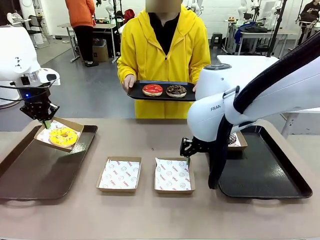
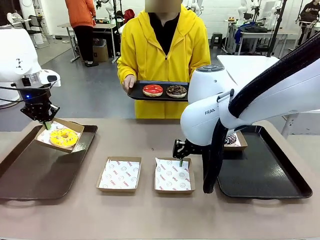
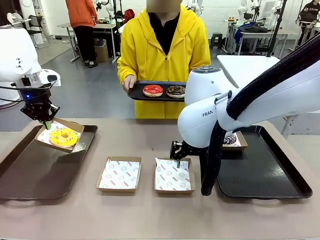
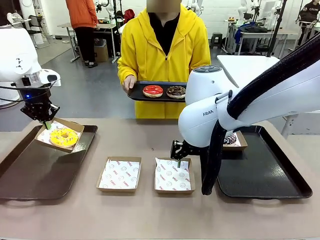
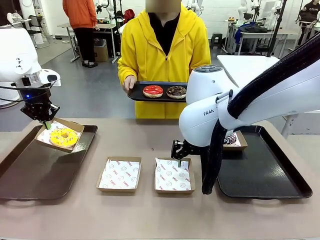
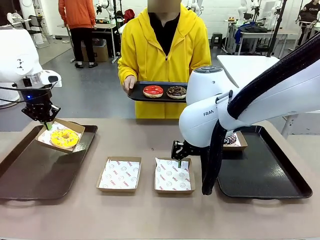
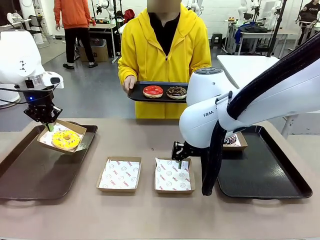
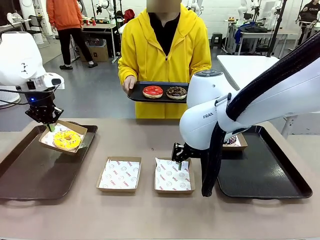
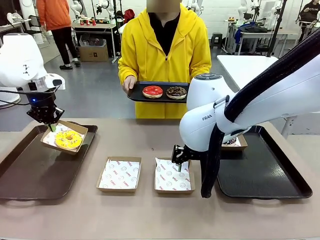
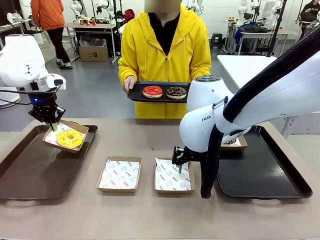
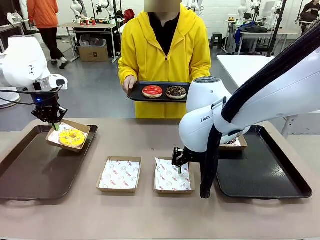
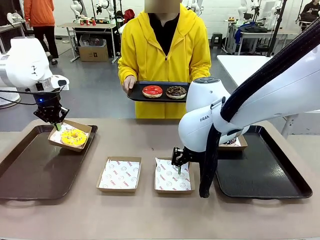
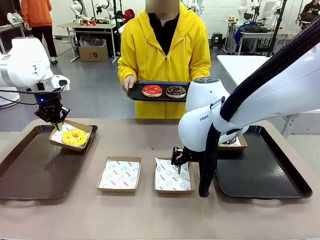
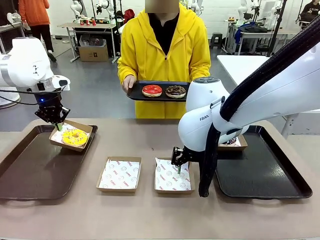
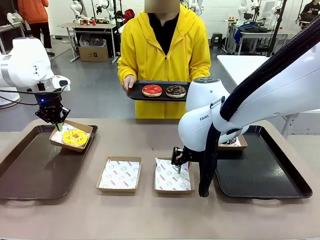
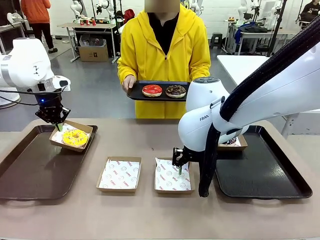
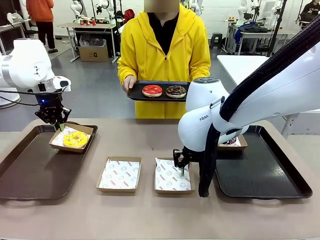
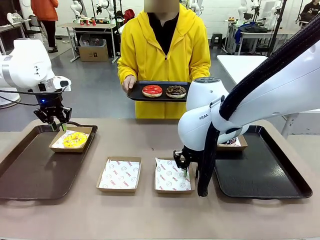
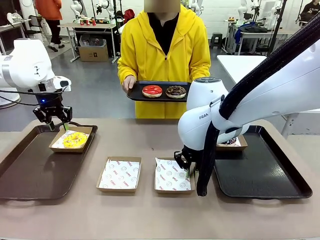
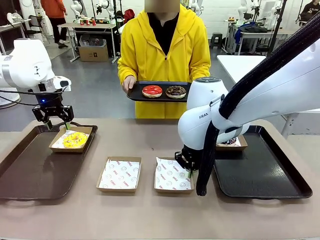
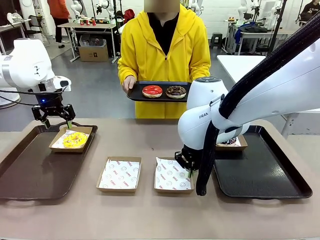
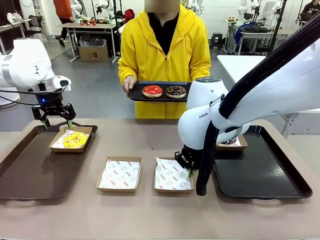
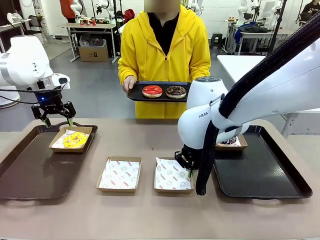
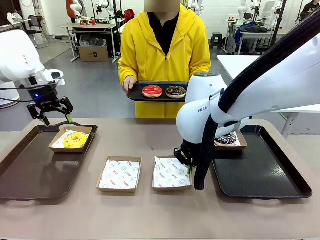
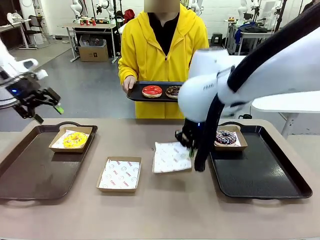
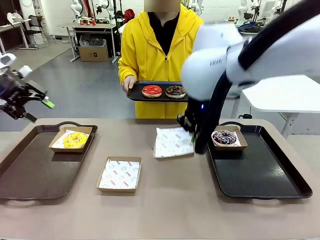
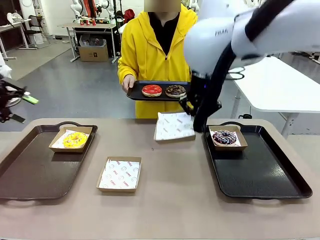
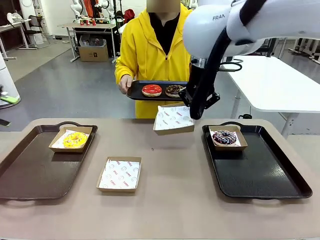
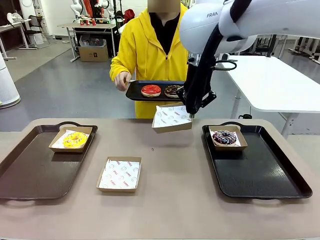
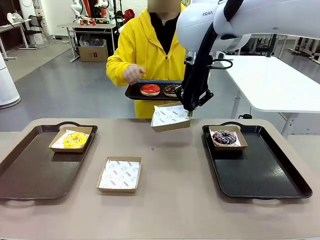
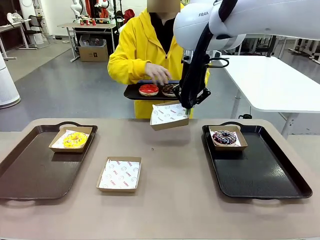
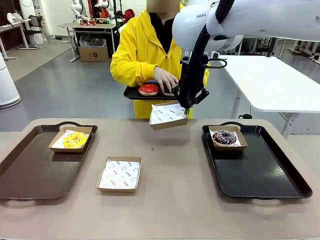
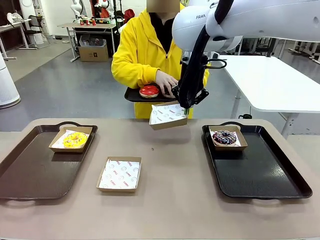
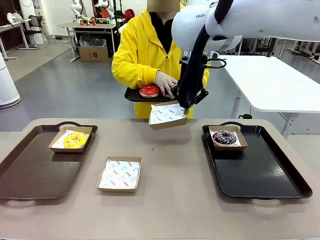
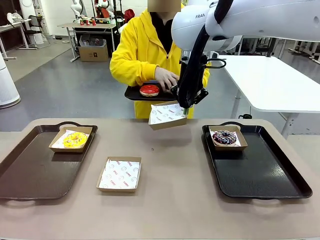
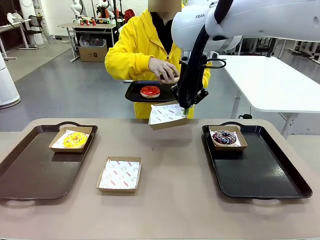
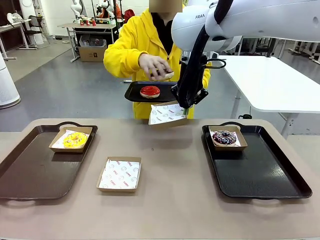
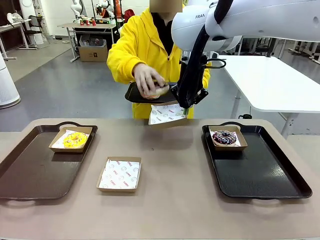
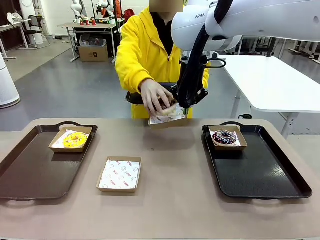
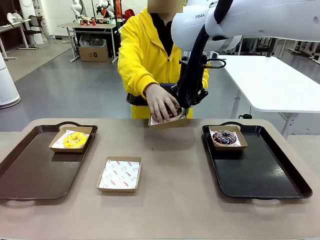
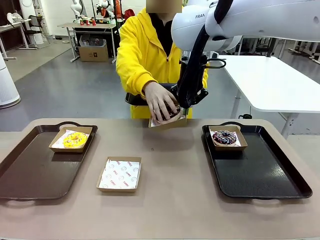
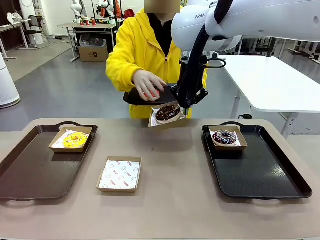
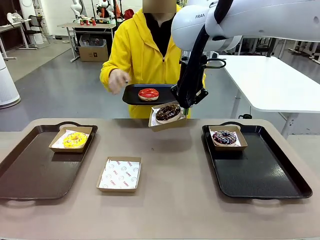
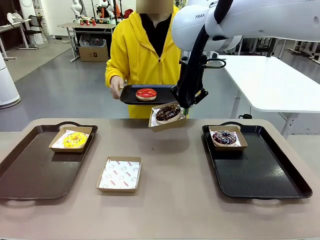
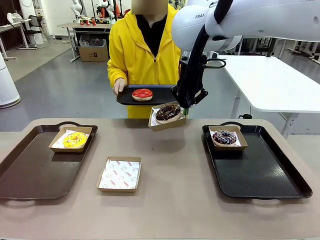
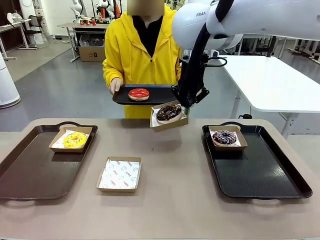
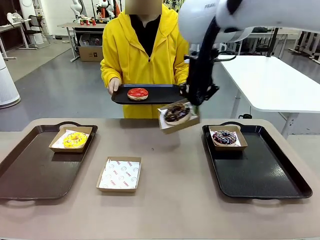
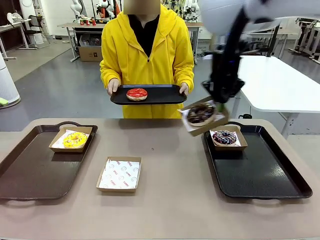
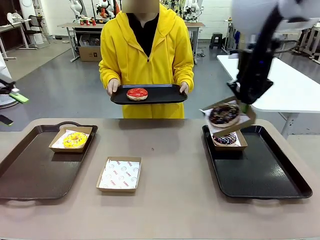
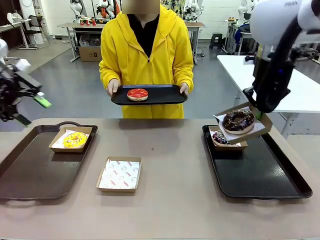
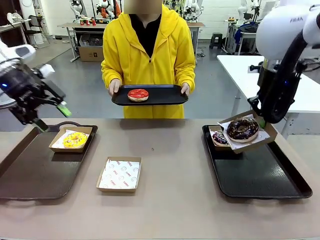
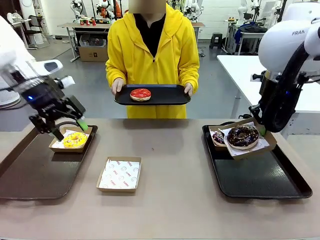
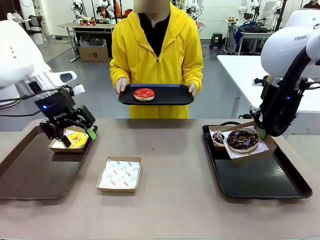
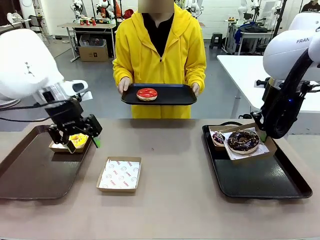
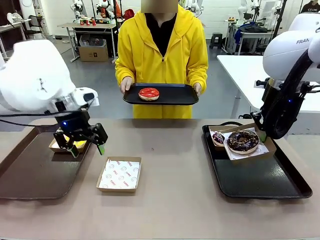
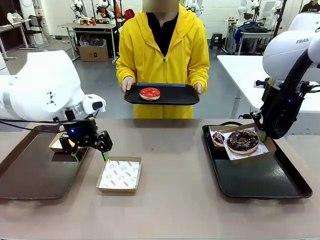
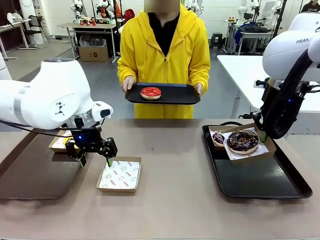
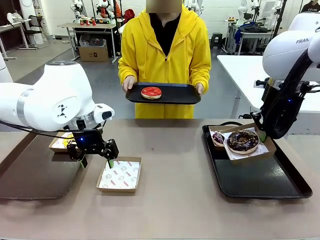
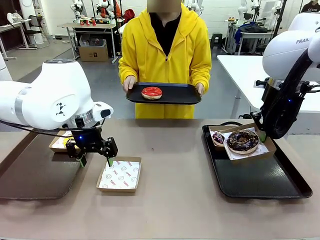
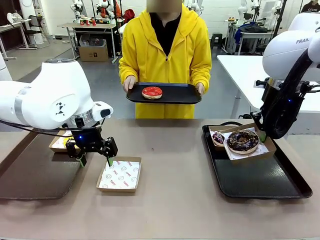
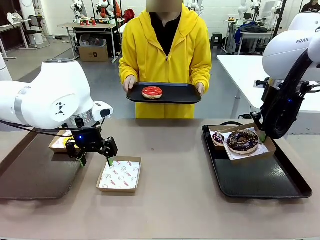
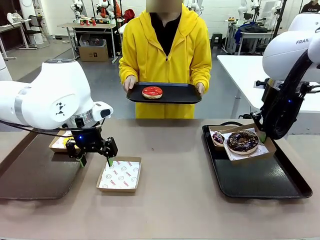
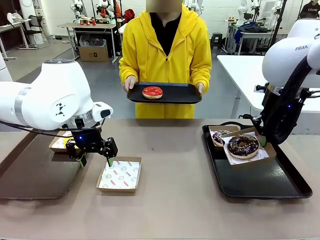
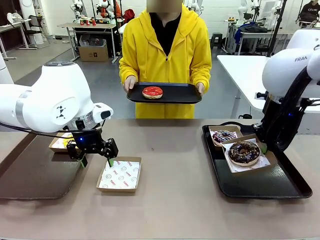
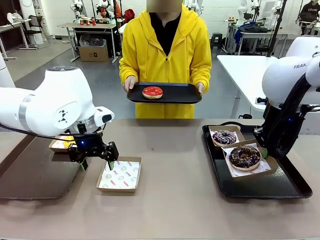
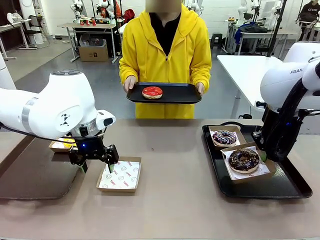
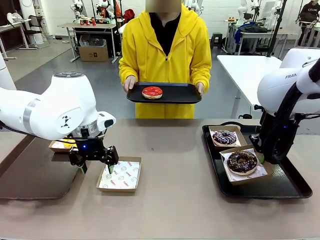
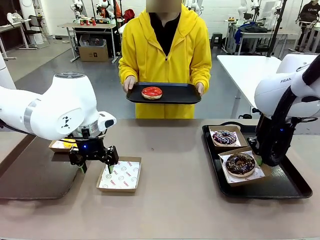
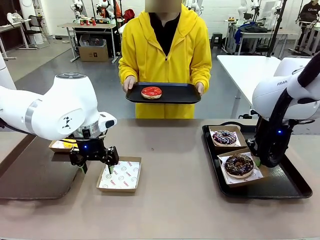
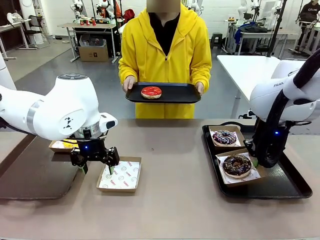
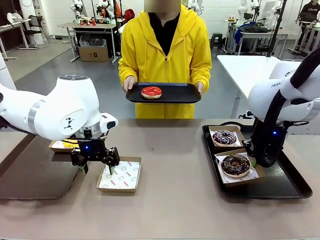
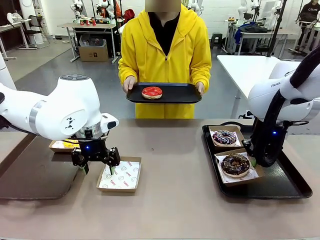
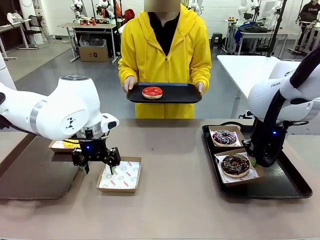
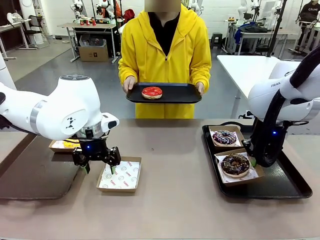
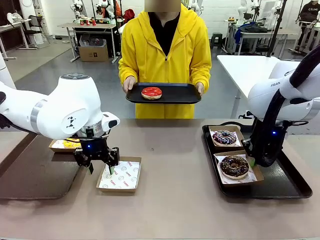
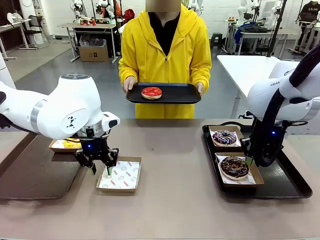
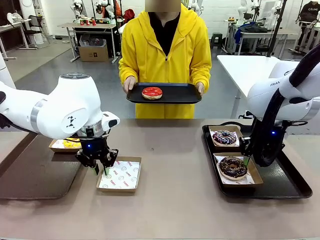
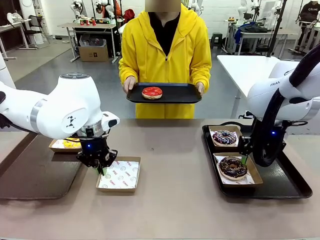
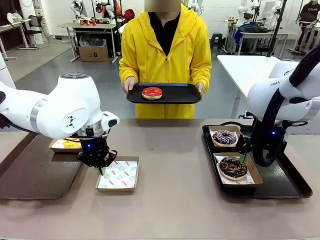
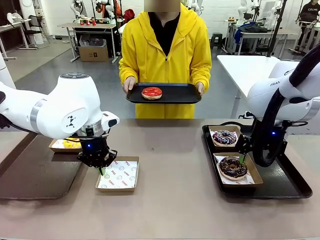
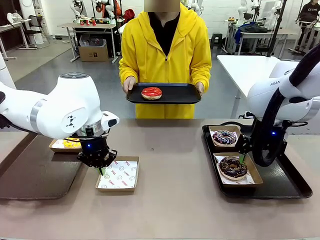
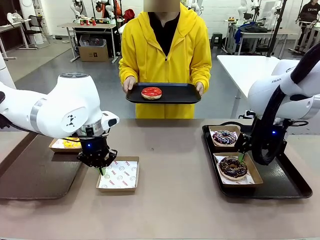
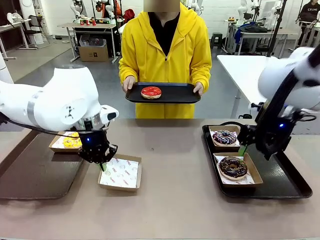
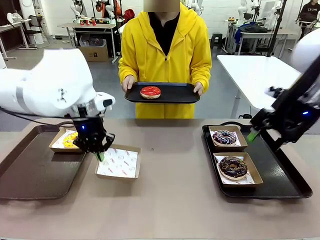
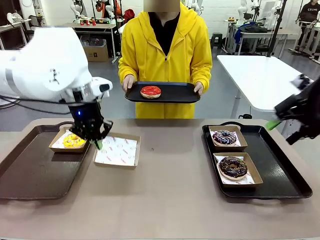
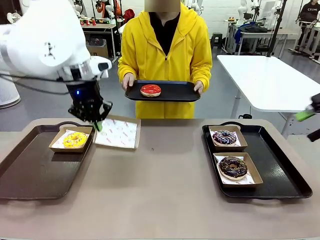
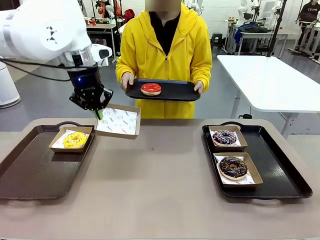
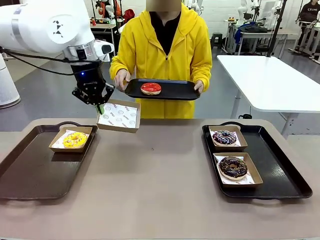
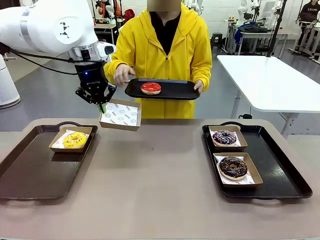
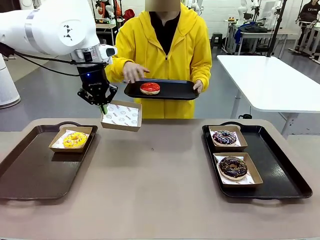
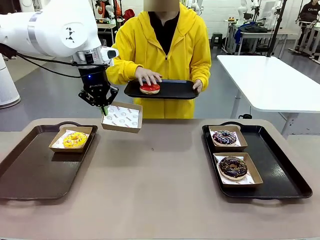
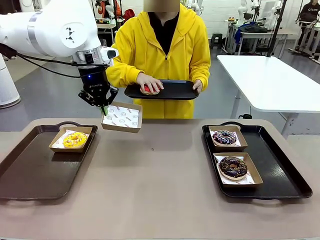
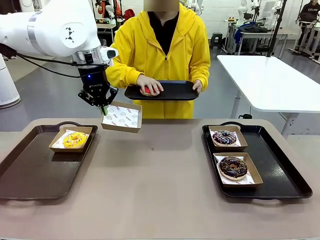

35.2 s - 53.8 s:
Task: Individually package the donuts and arrange them on the tray.
Robot: Place the picked Paper togo box on the Handle tray while simultaneously picking up another Paper togo box from the table with the other hand.
